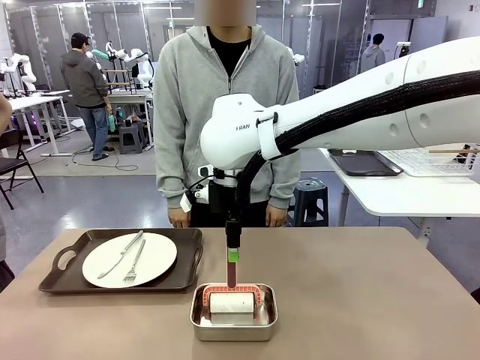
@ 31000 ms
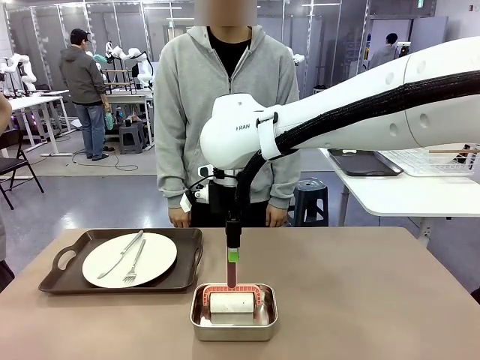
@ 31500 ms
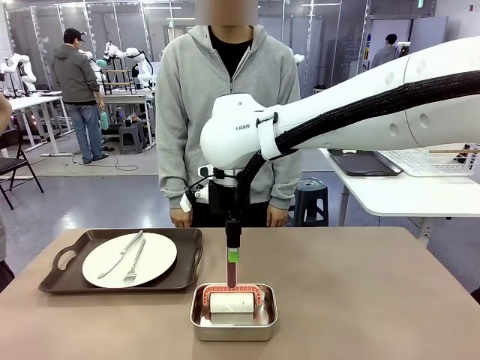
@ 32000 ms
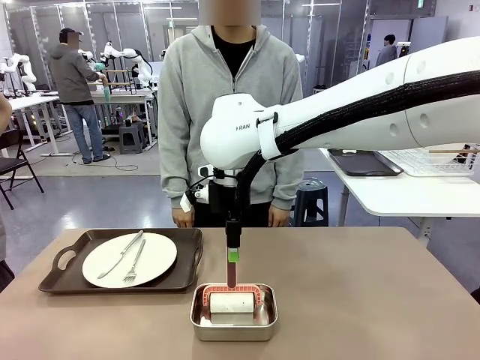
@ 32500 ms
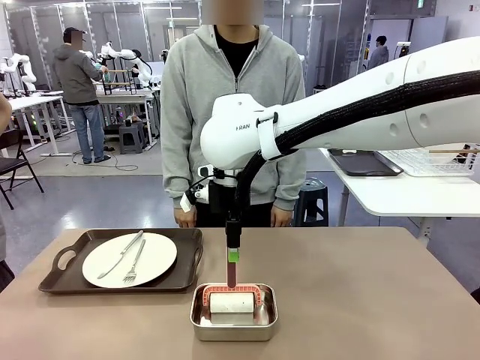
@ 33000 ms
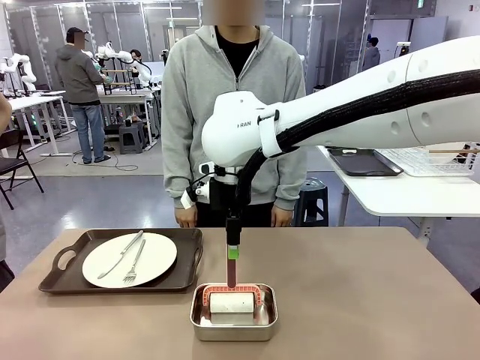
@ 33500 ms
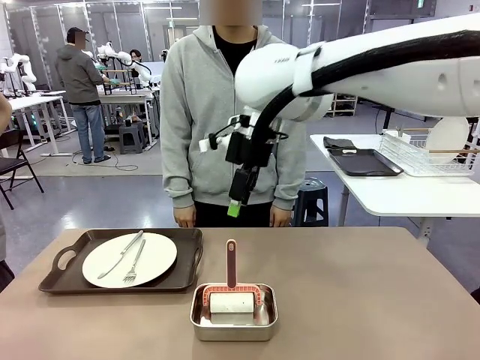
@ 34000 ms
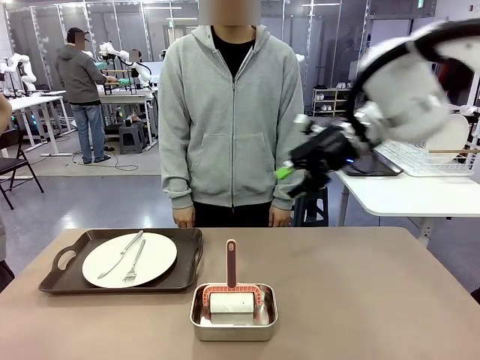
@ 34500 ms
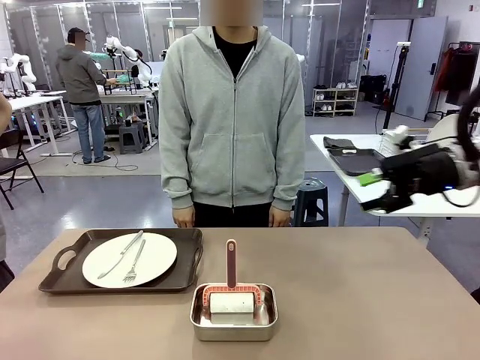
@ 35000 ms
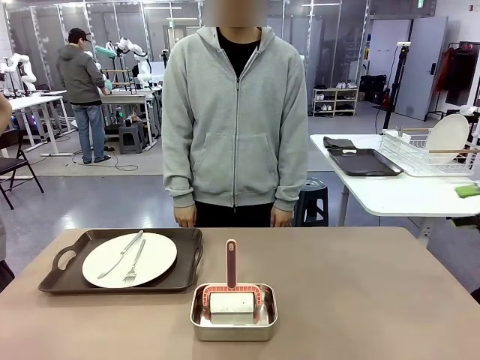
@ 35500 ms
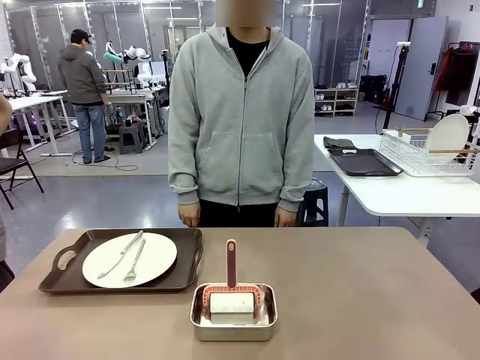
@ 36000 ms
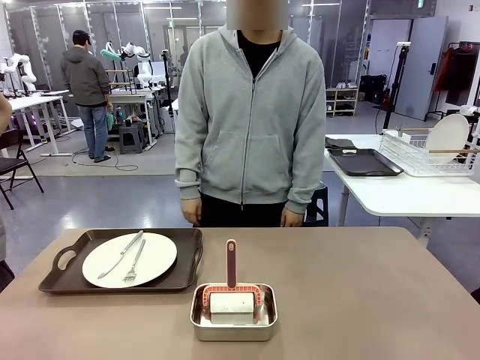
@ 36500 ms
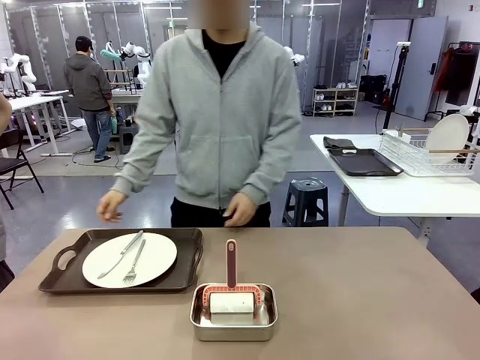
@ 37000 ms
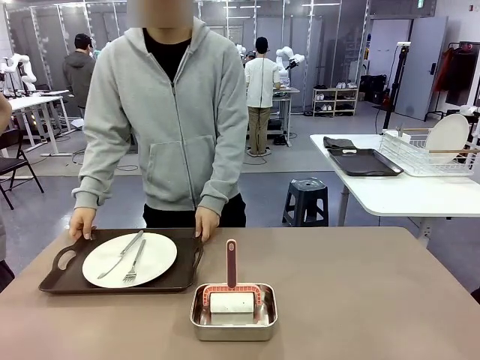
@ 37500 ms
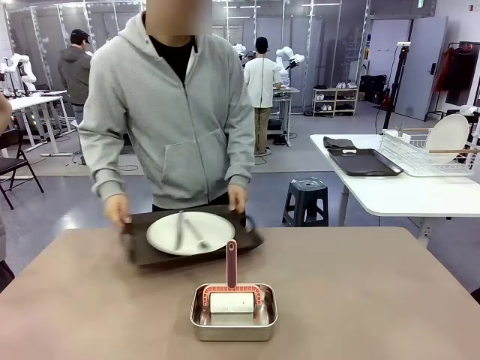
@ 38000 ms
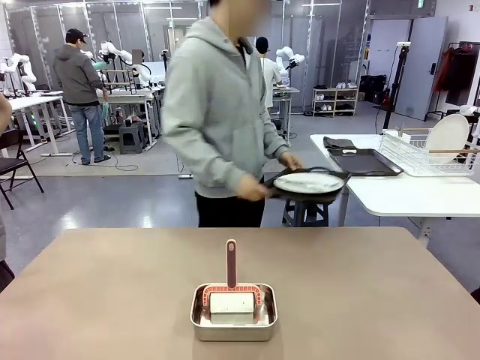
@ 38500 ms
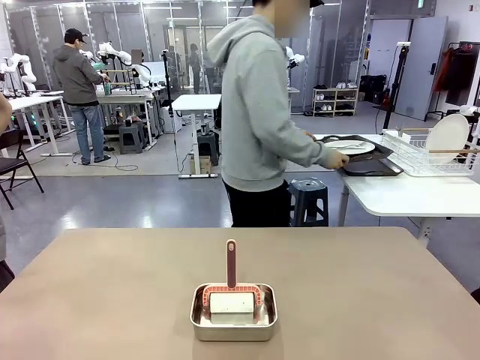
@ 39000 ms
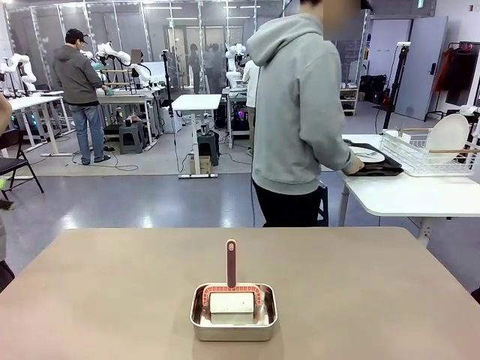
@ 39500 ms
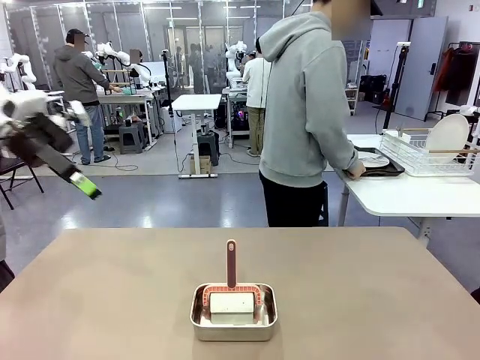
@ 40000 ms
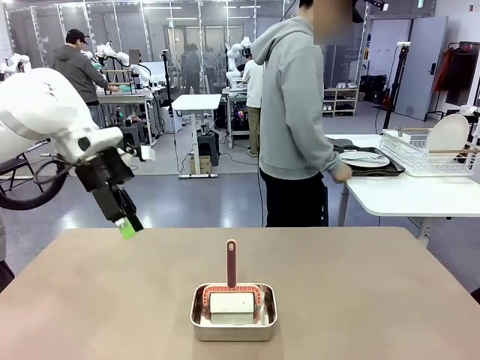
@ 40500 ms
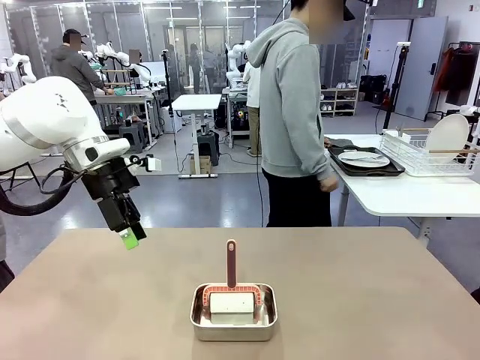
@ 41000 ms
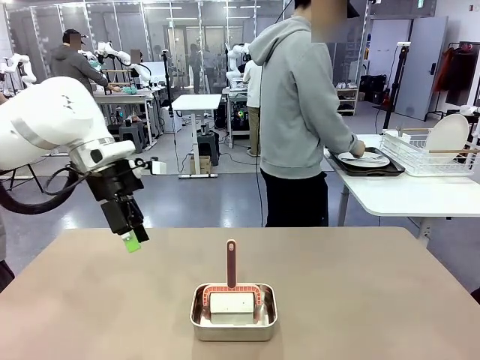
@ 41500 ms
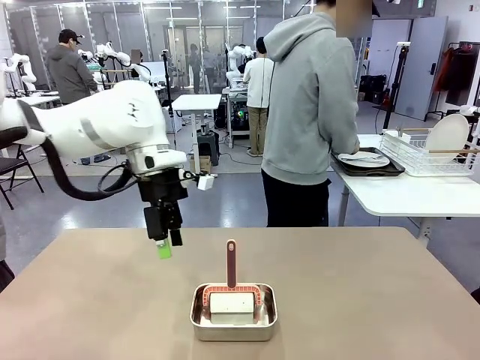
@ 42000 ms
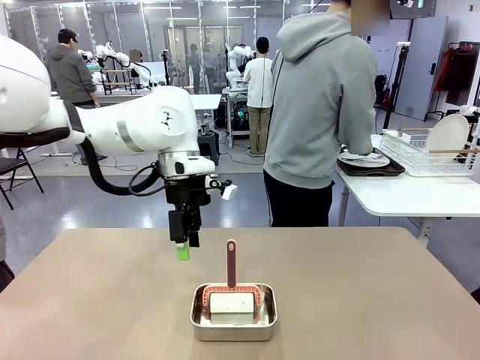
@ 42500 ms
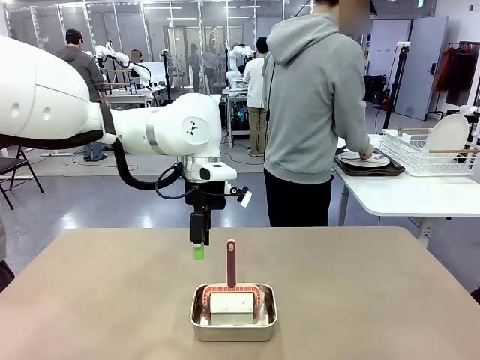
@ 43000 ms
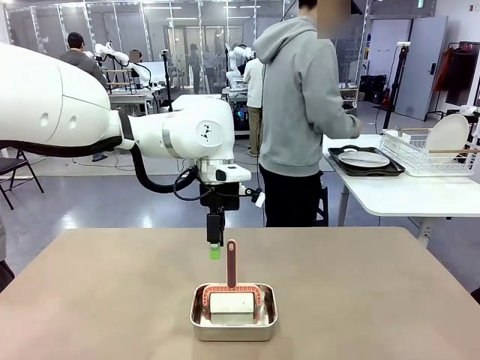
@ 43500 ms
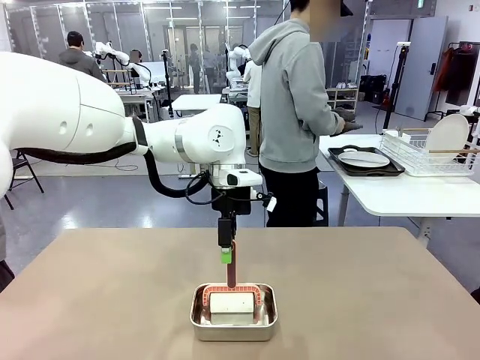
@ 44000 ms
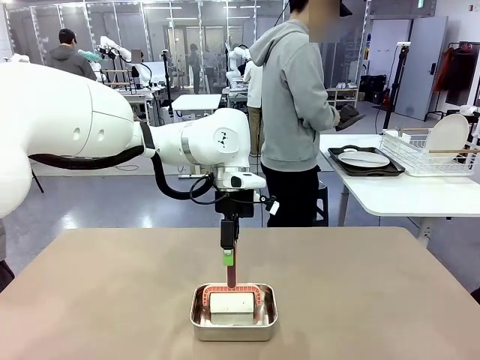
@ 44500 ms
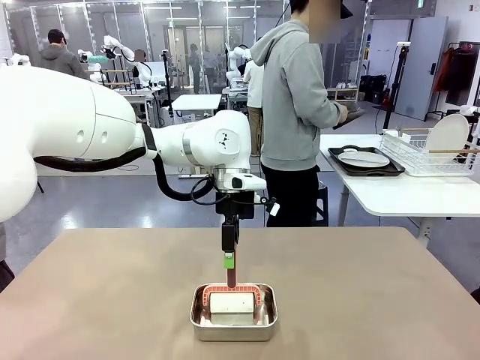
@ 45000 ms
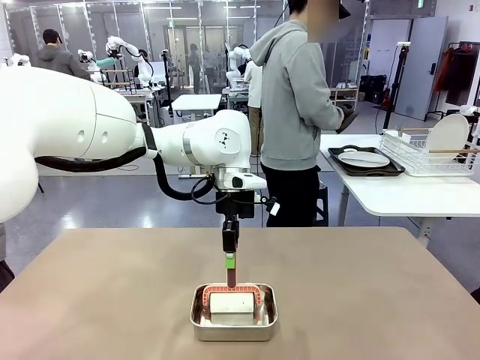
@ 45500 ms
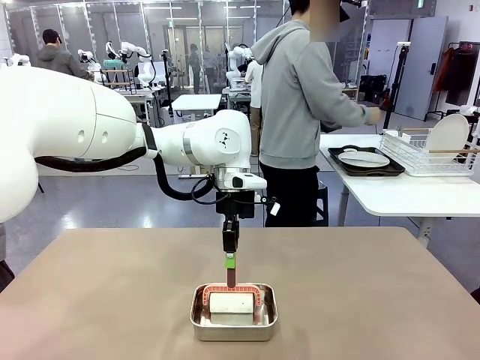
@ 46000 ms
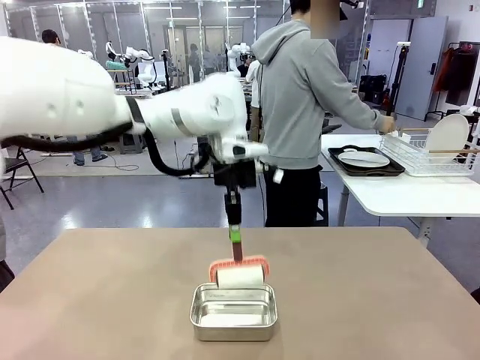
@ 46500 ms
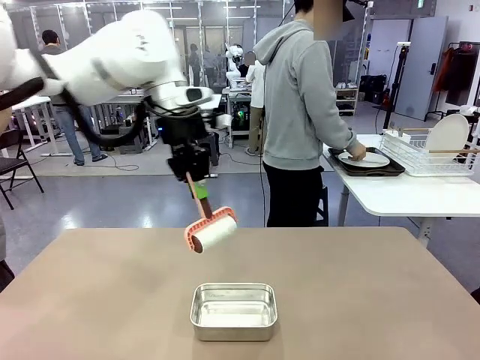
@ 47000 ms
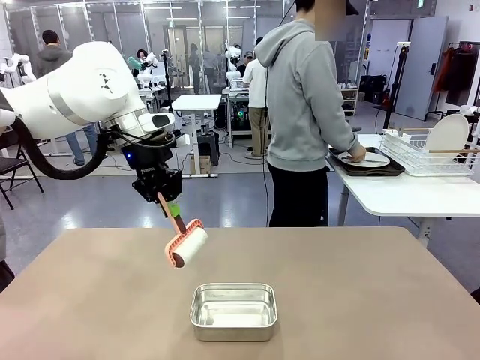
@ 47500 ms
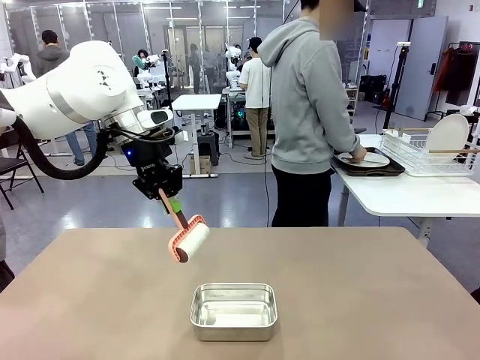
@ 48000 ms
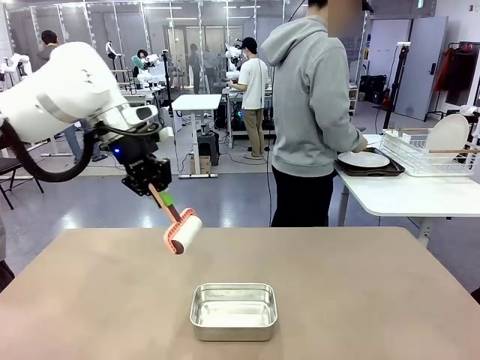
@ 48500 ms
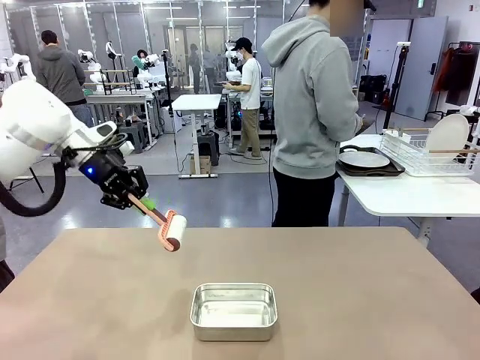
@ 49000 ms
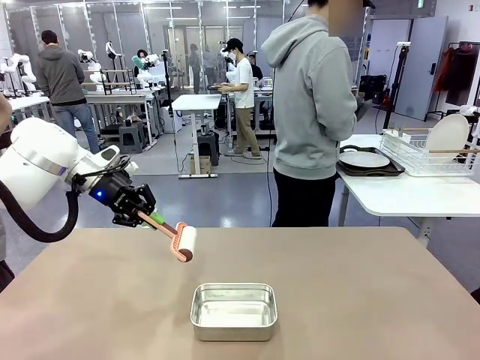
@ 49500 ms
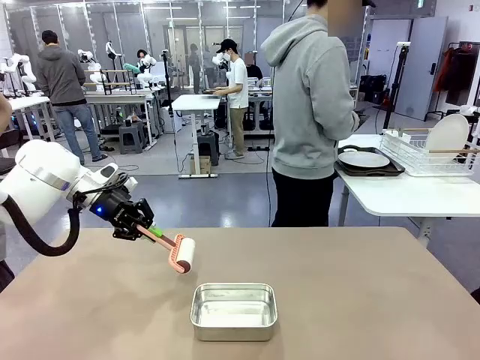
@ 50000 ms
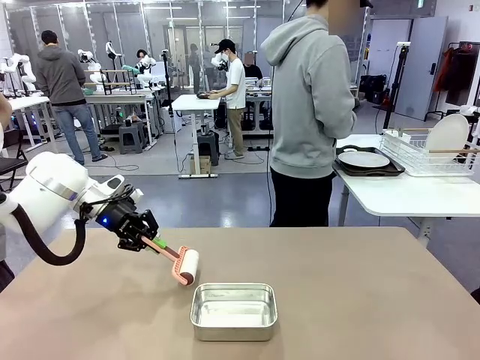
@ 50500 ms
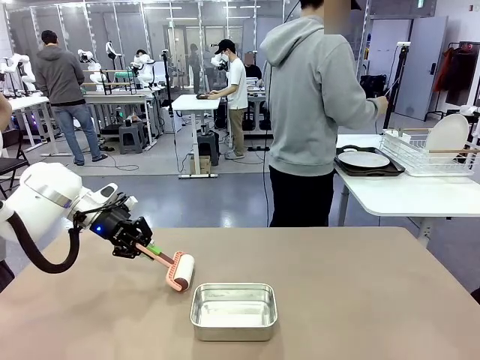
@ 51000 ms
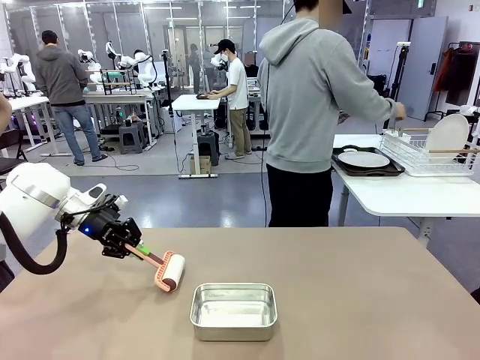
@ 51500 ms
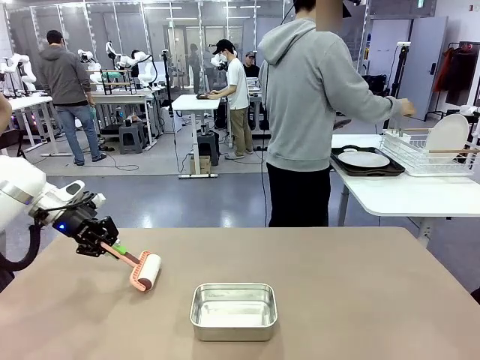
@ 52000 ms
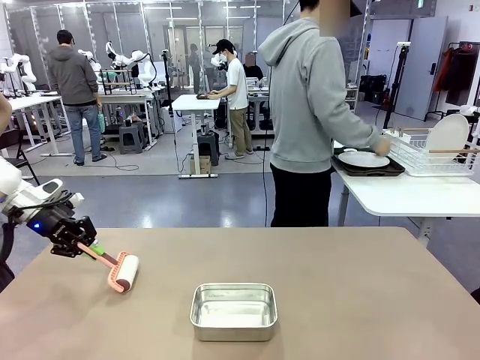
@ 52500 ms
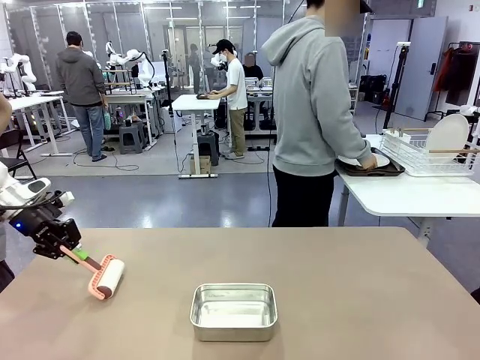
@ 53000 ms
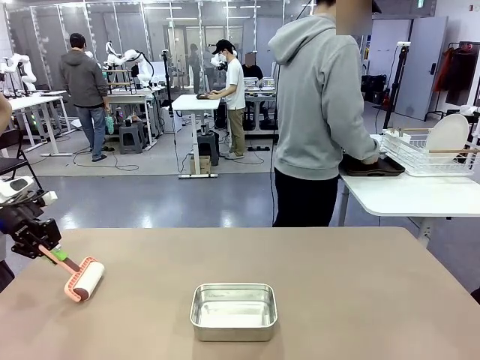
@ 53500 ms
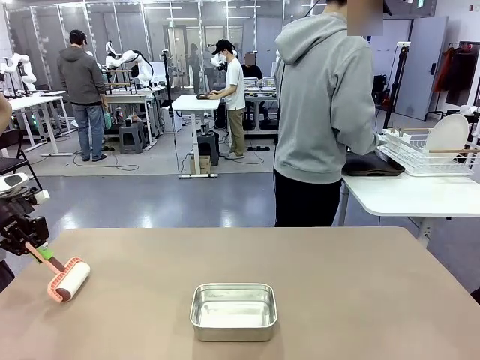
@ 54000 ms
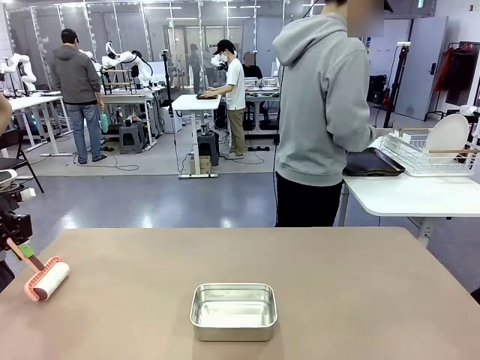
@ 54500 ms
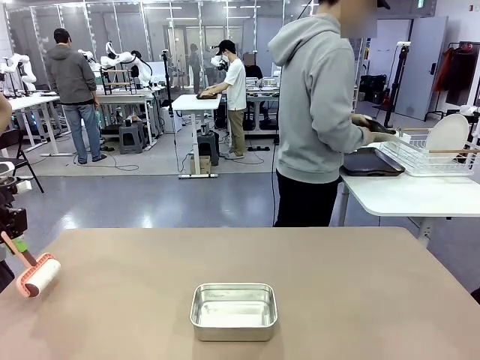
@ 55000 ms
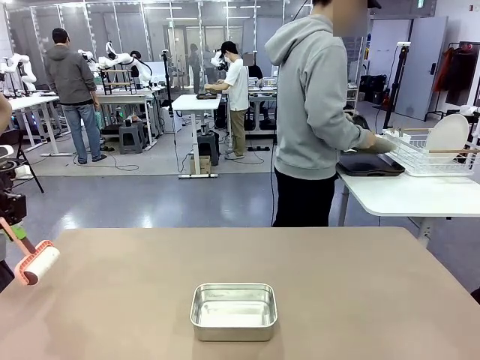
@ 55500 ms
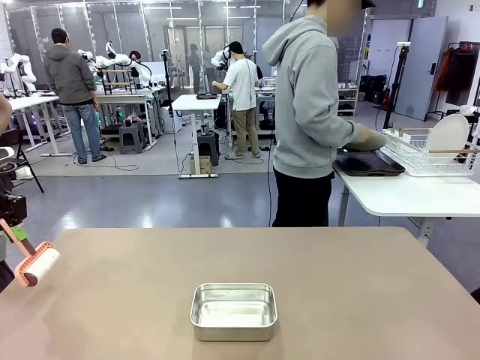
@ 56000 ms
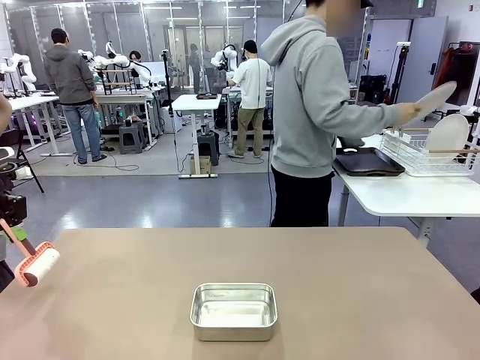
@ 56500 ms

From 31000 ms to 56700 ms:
Robot: When the right (or left) Handle tray is removed, use the right hand (or left hand) to clean the right (or left) side of the table with the Lint Roller.
Person: Pick up the left (or right) Handle tray and place it on the Handle tray. Use the Towel with hook to wipe the Plastic Matte Plate , Fork , and Knife and place into the Dish drying rack.
